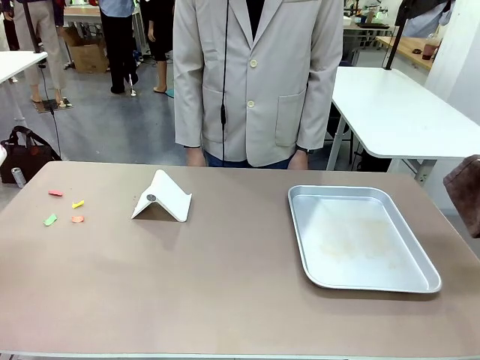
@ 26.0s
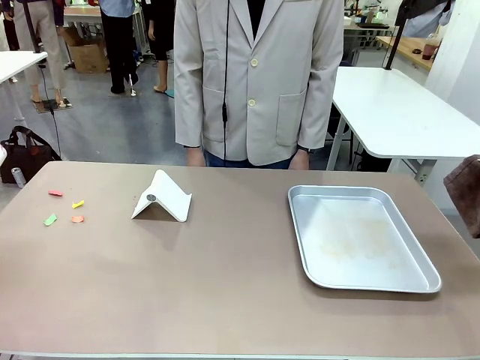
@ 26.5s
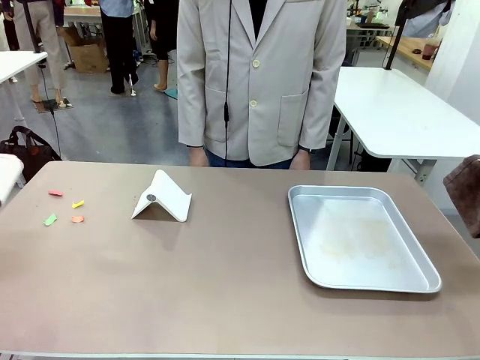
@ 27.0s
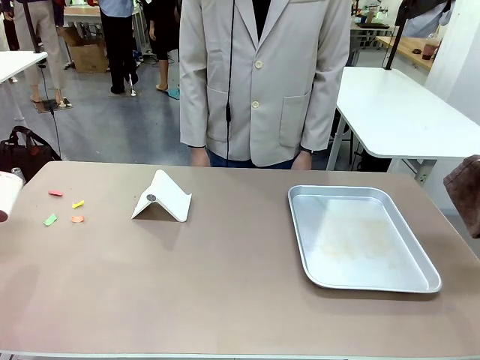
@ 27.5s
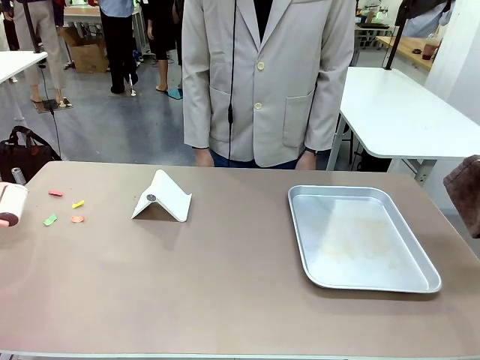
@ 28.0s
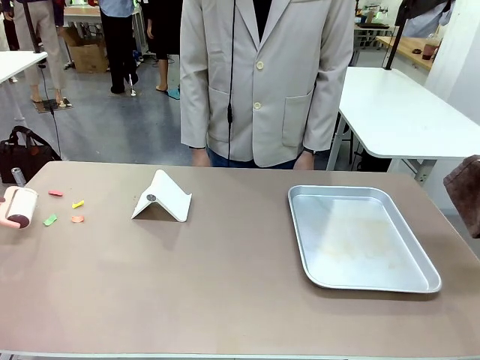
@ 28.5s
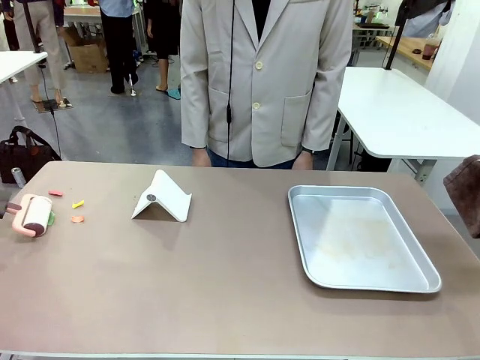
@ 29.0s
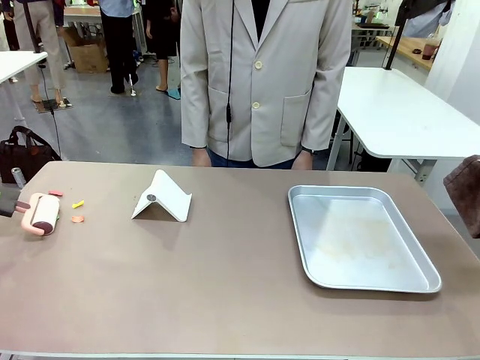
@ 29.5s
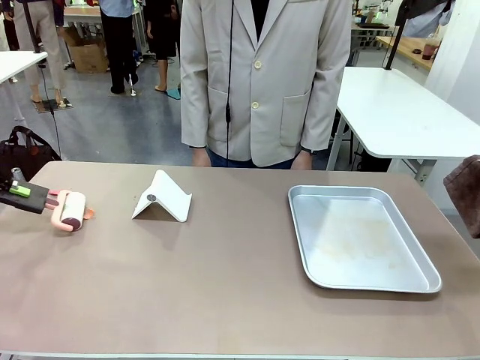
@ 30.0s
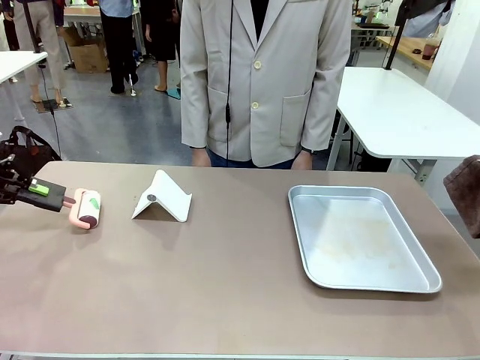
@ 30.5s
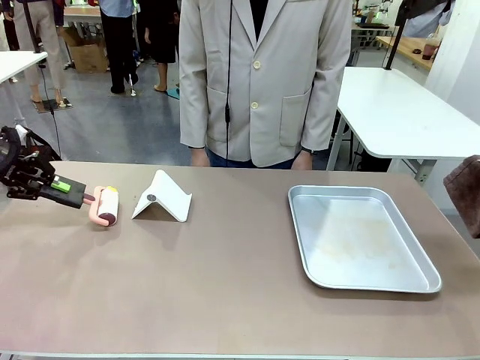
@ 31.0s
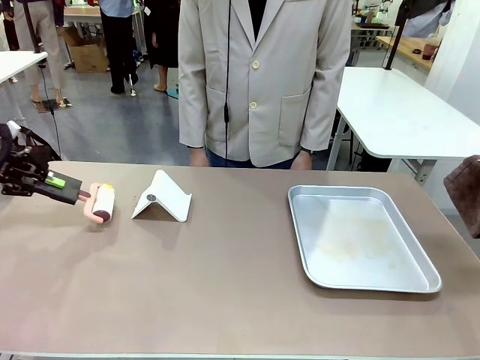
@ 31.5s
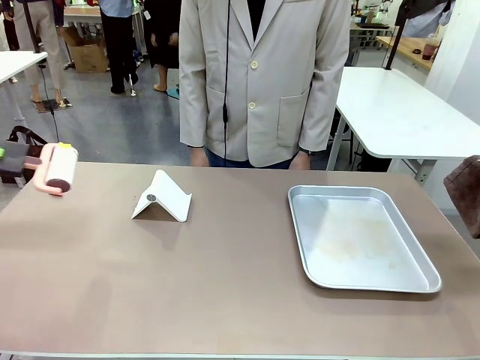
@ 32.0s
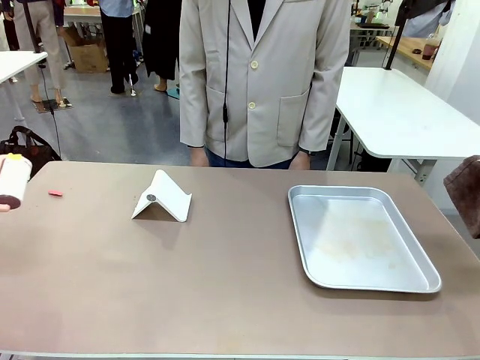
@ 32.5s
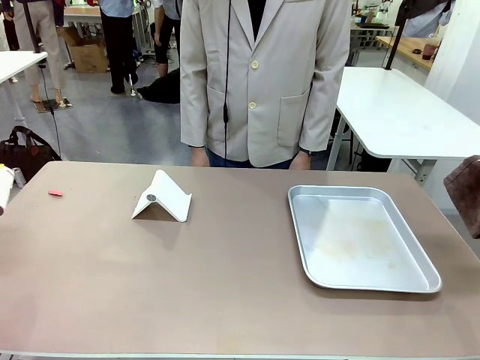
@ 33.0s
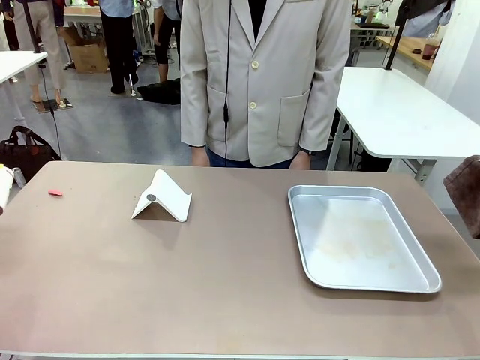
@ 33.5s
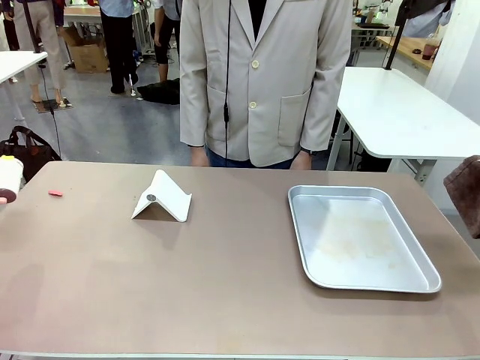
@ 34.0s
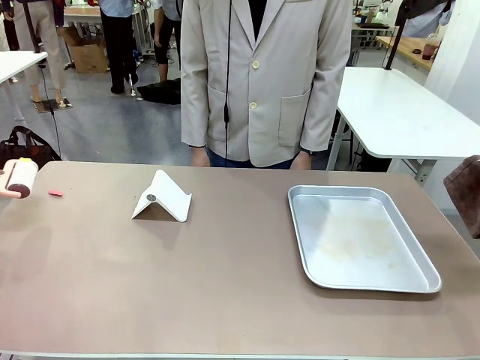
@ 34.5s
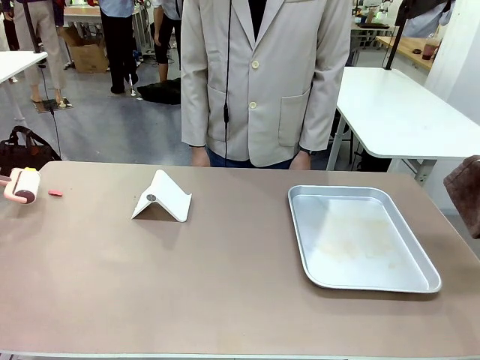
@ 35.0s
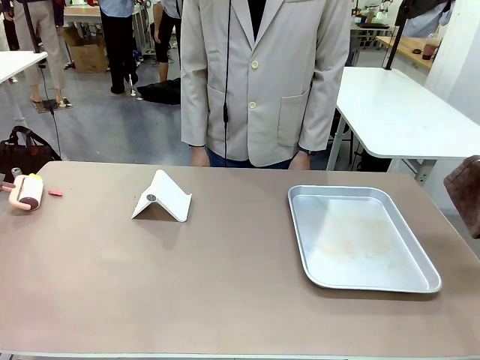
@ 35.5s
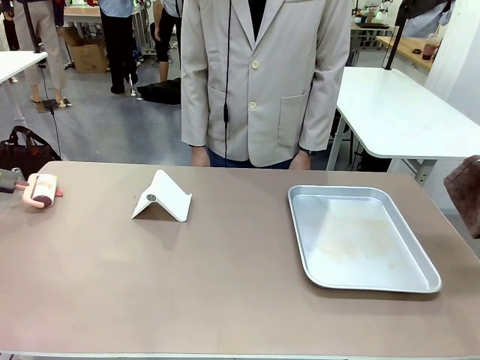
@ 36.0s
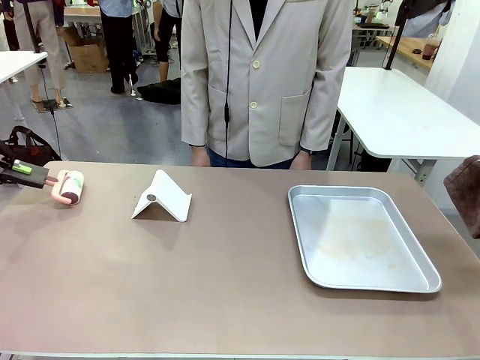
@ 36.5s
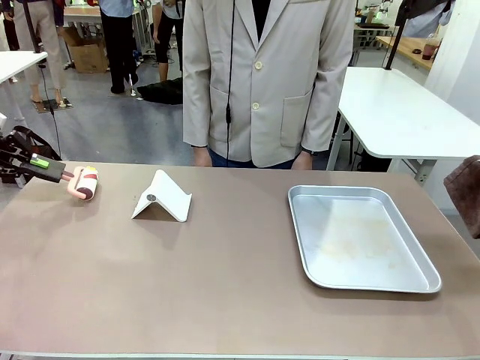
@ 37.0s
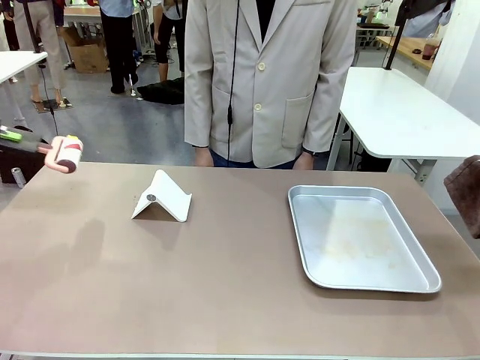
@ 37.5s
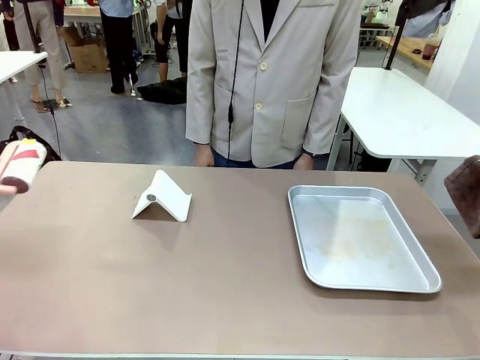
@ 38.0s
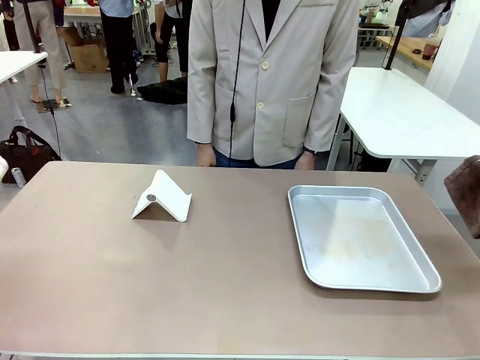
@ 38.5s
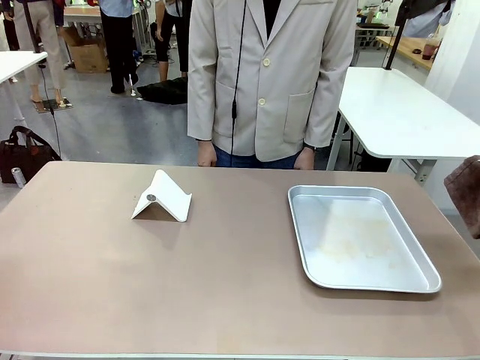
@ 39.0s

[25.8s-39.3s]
Task: Clean the surface of the table.
Robot: Clean the area not pointed to by the person.

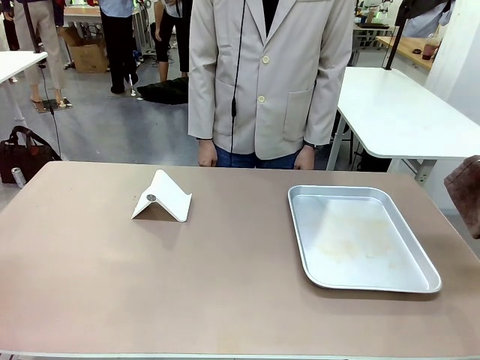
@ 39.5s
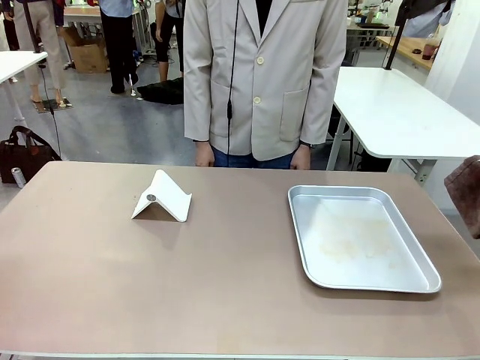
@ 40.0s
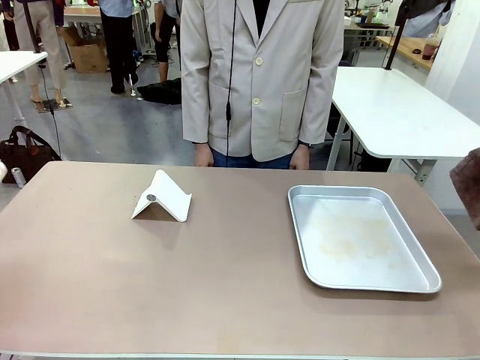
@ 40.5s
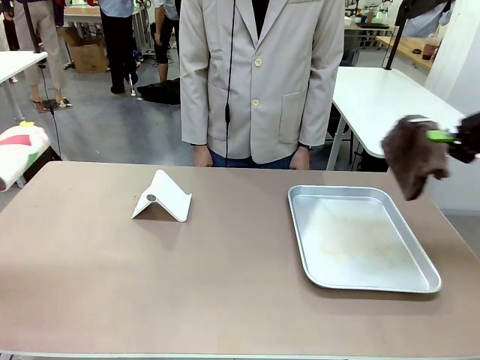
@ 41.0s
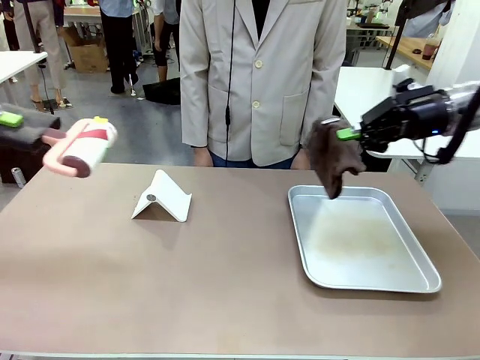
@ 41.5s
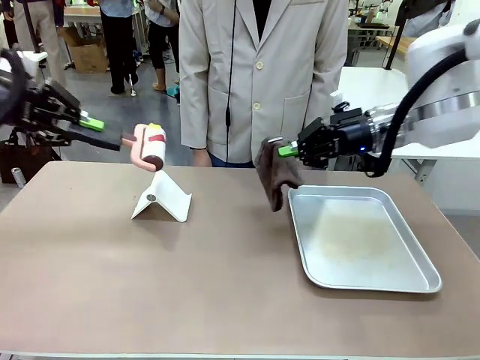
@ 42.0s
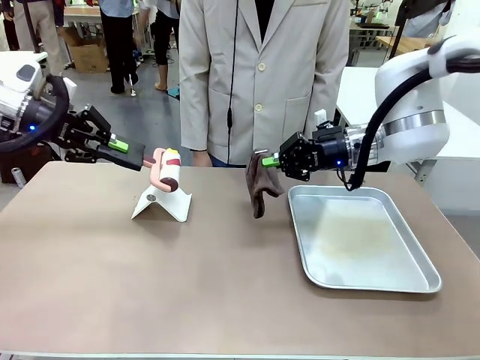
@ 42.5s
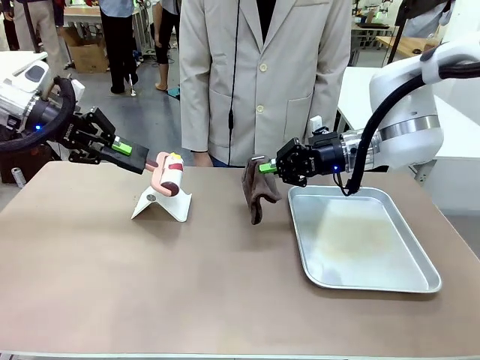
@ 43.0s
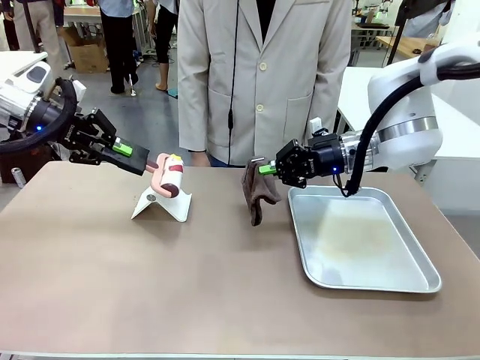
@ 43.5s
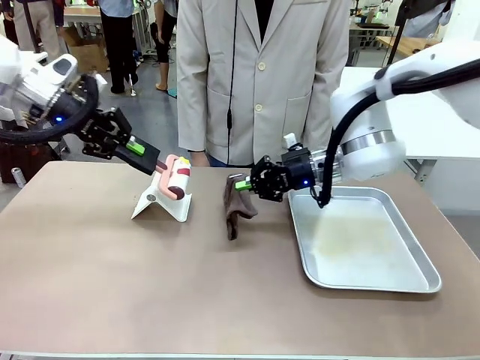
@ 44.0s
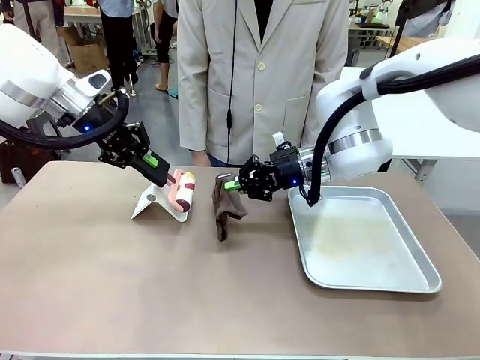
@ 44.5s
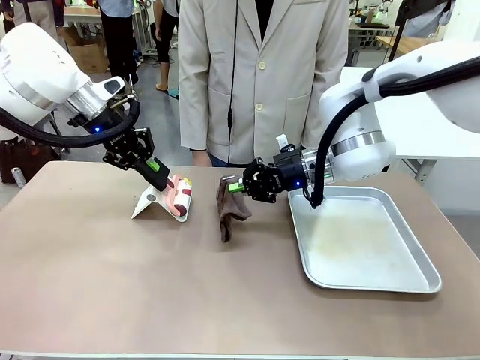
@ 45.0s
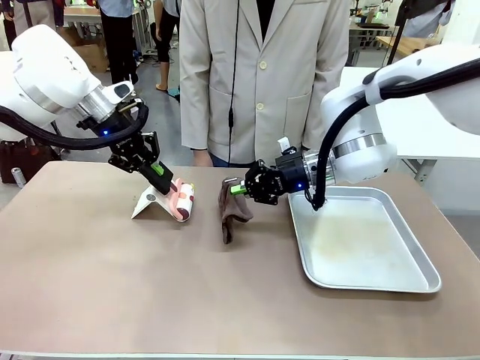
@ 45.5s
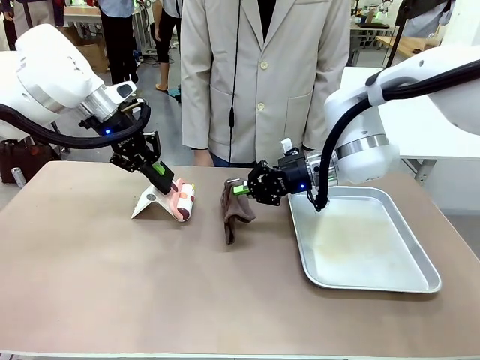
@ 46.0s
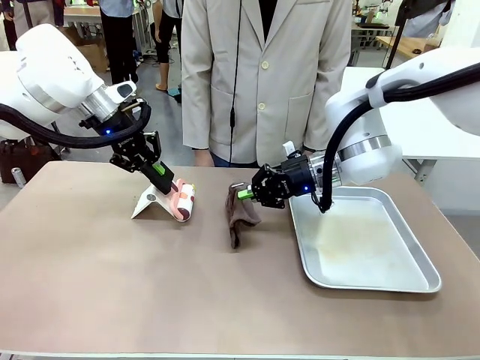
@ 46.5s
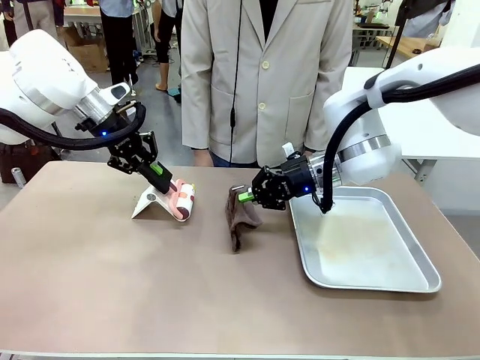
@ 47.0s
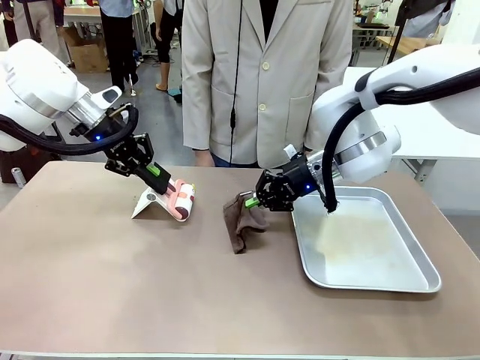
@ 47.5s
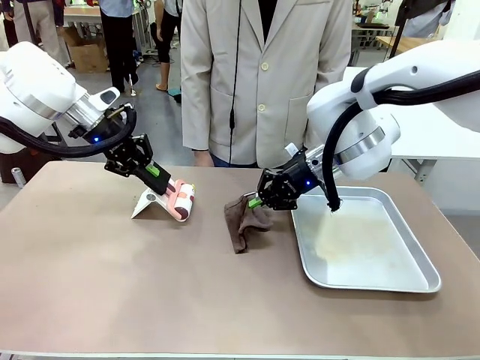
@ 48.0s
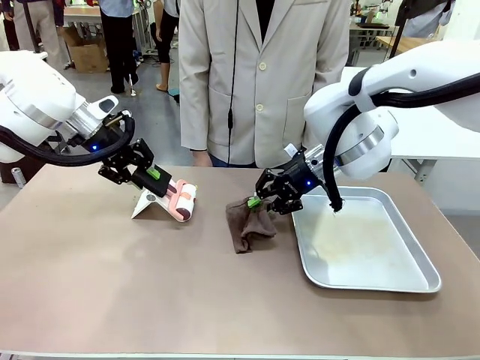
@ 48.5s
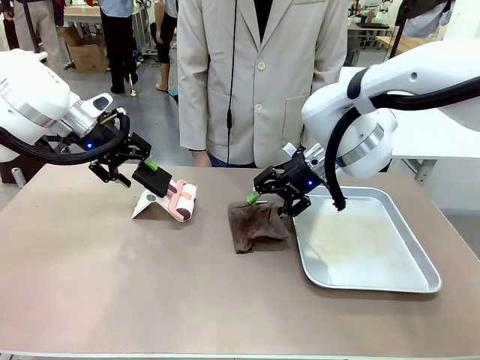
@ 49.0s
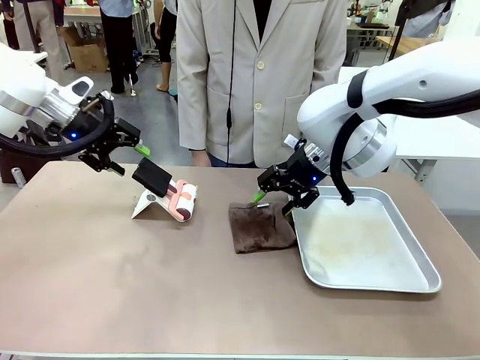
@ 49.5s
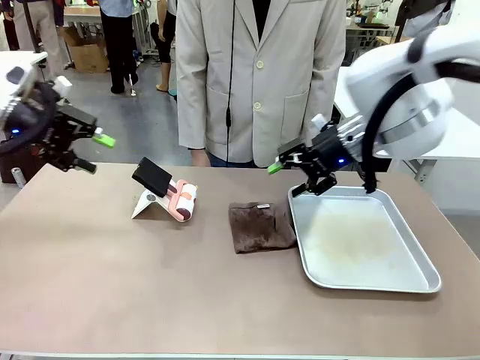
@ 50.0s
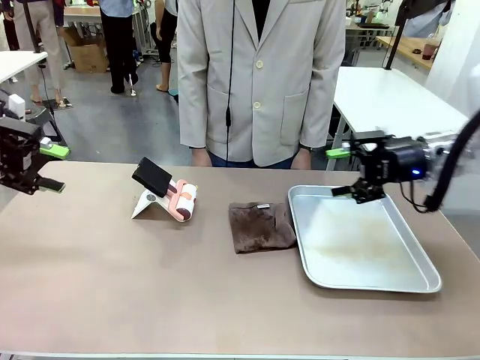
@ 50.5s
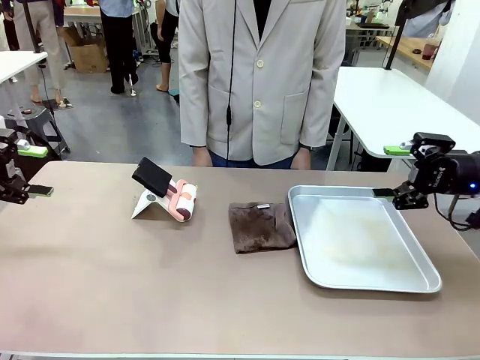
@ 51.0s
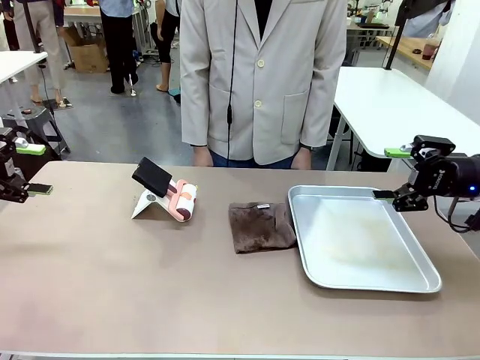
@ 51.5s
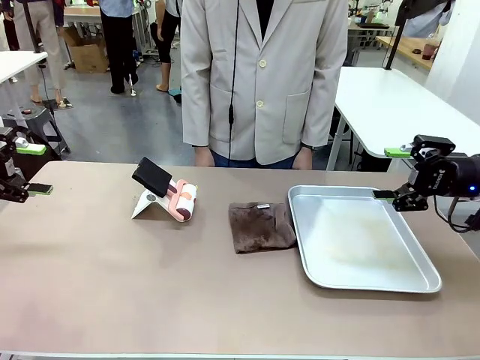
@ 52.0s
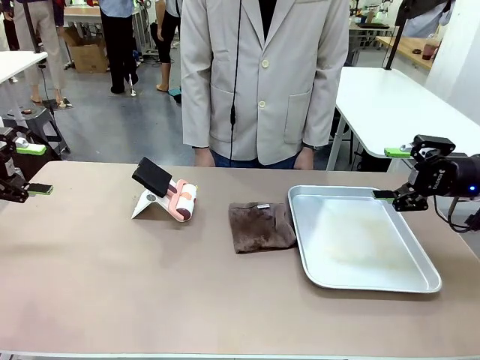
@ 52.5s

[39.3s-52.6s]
Robot: Return the Lint Roller and towel to their original positions.
